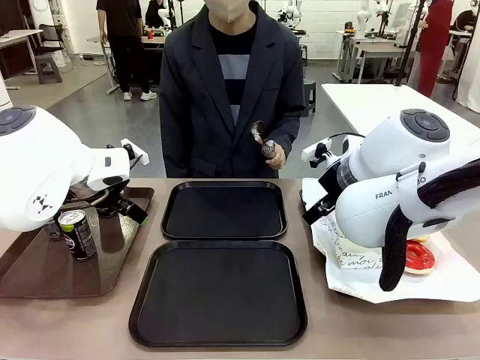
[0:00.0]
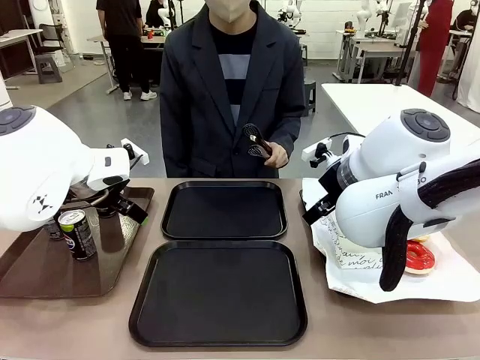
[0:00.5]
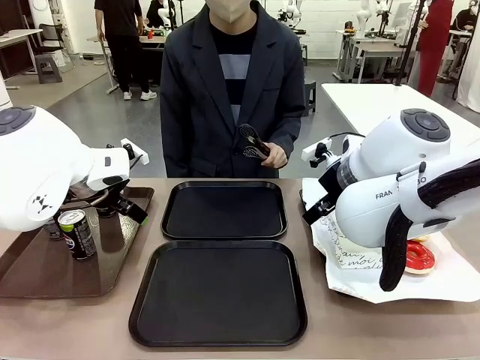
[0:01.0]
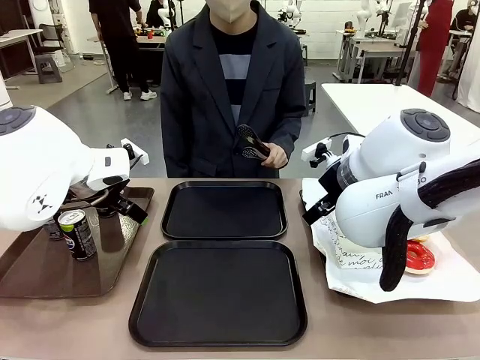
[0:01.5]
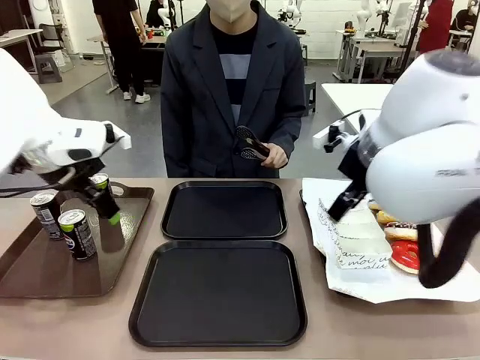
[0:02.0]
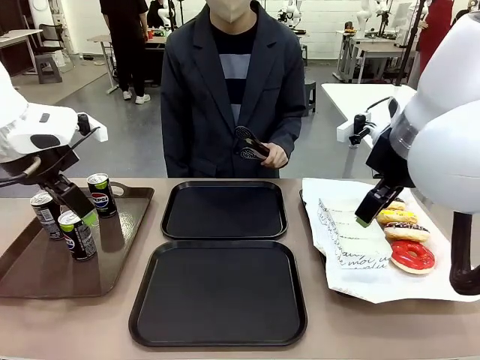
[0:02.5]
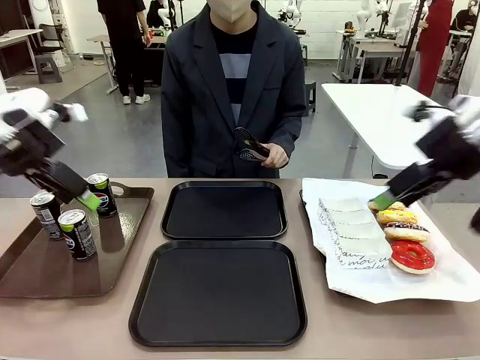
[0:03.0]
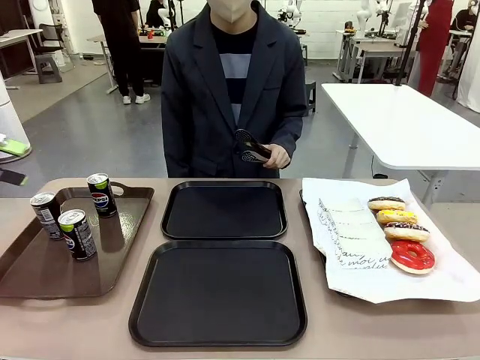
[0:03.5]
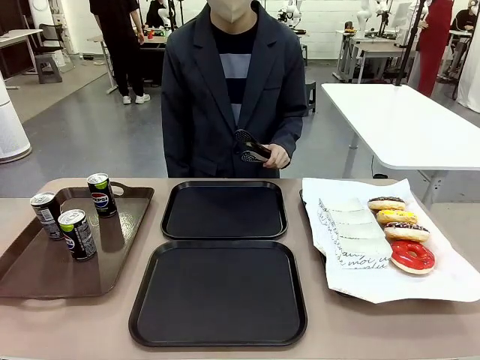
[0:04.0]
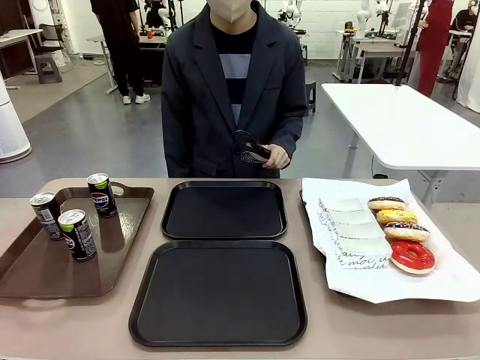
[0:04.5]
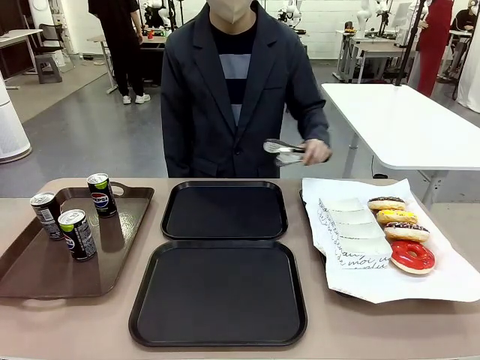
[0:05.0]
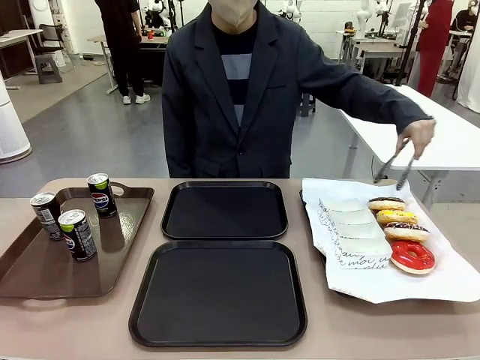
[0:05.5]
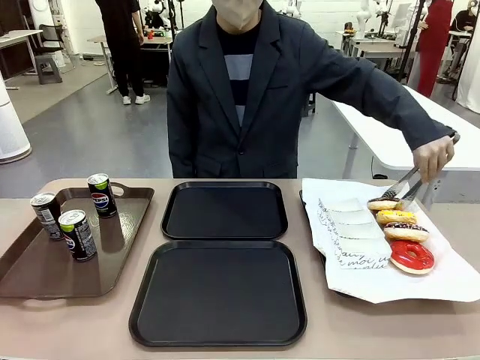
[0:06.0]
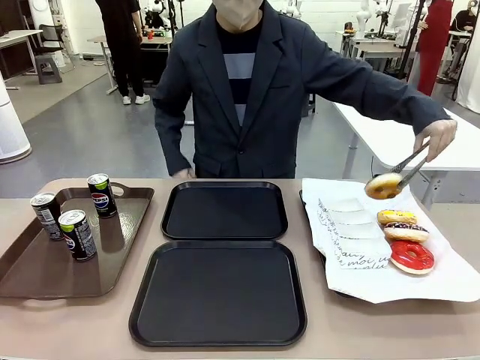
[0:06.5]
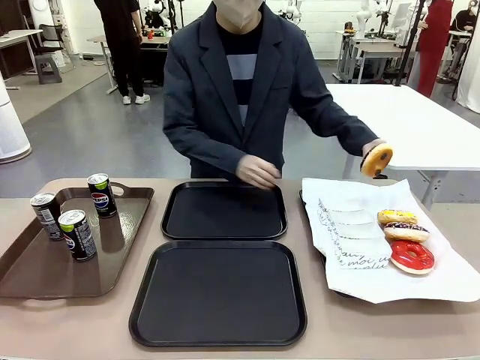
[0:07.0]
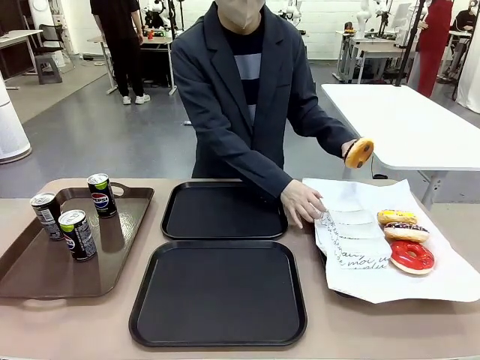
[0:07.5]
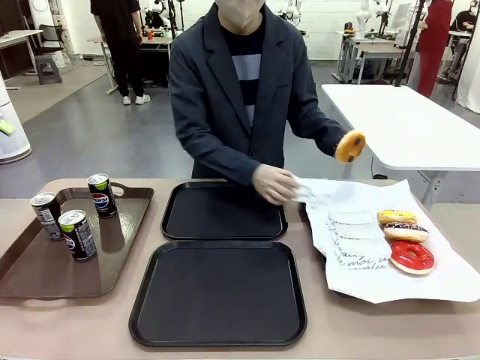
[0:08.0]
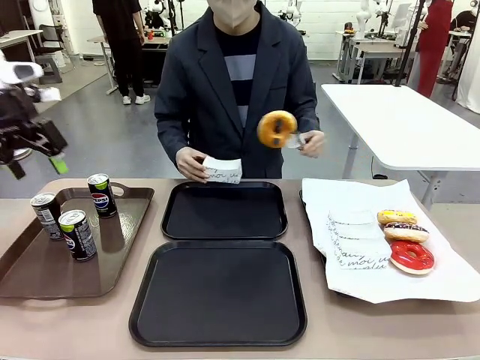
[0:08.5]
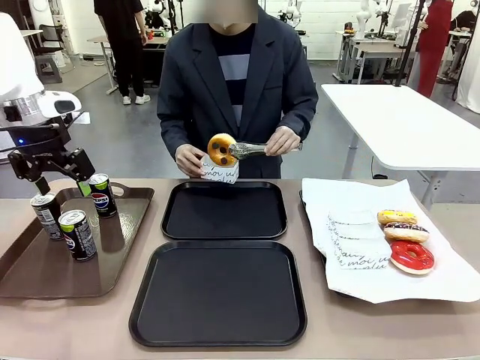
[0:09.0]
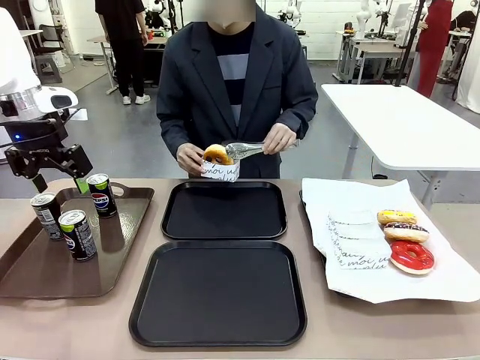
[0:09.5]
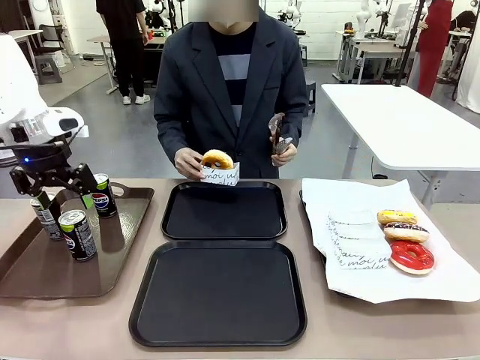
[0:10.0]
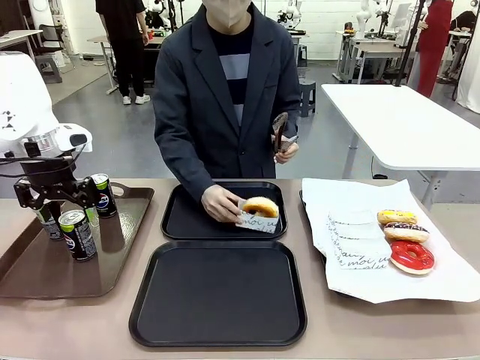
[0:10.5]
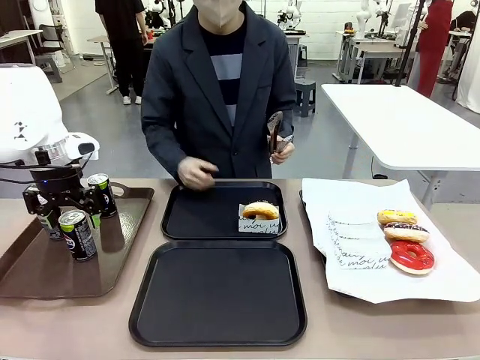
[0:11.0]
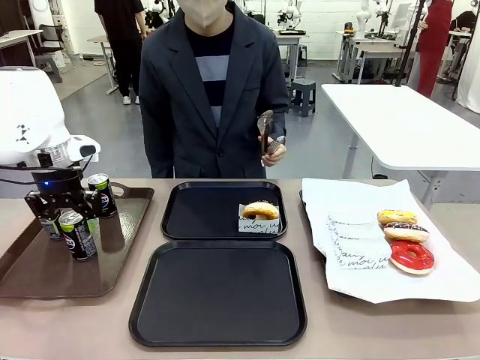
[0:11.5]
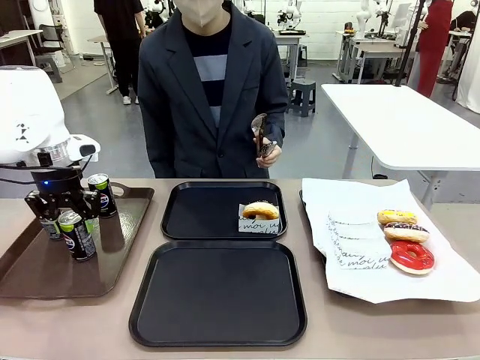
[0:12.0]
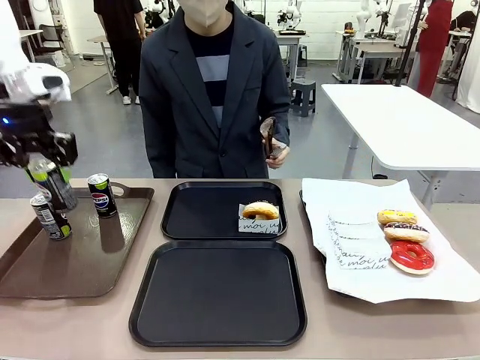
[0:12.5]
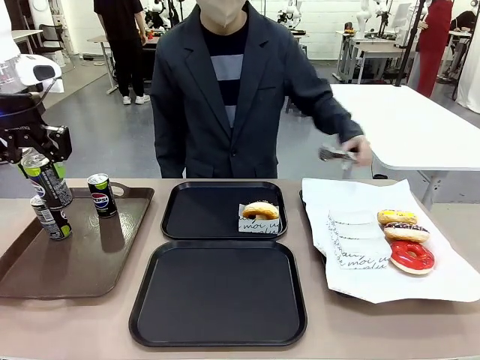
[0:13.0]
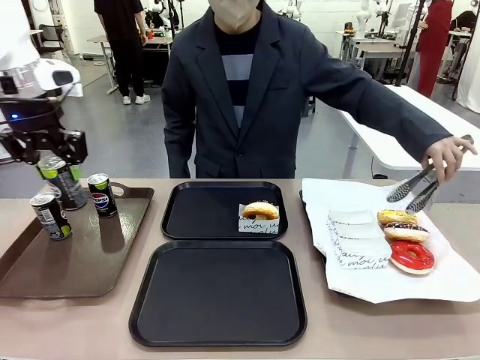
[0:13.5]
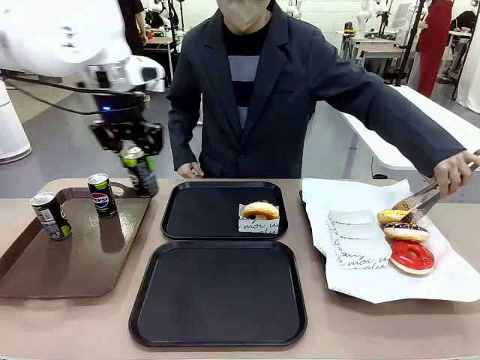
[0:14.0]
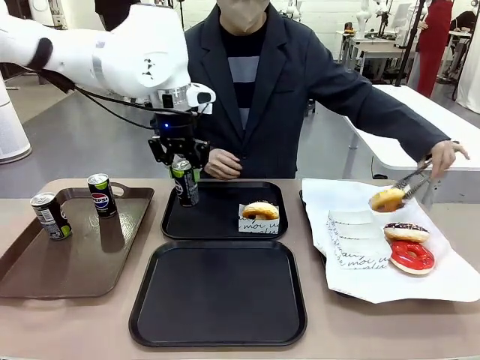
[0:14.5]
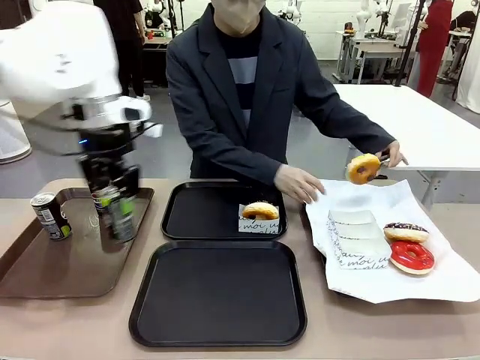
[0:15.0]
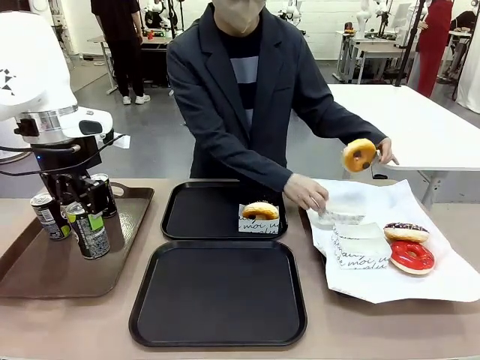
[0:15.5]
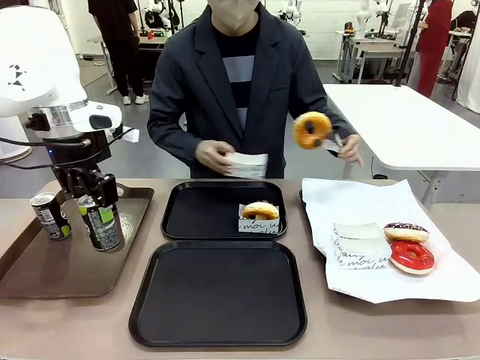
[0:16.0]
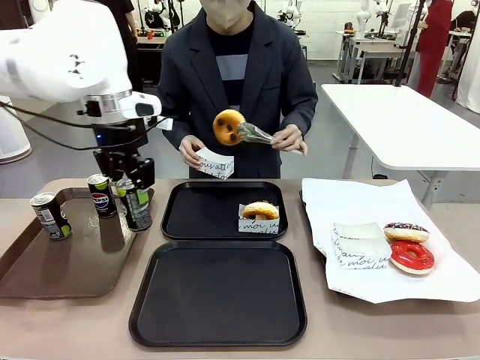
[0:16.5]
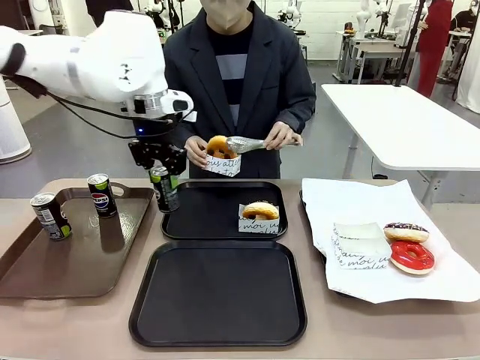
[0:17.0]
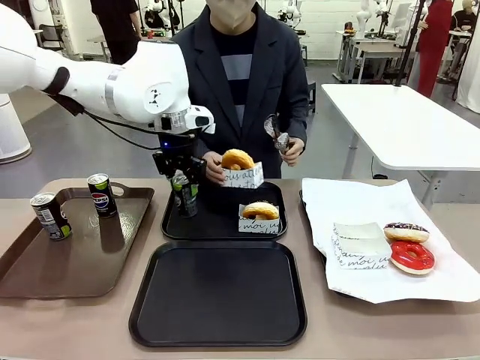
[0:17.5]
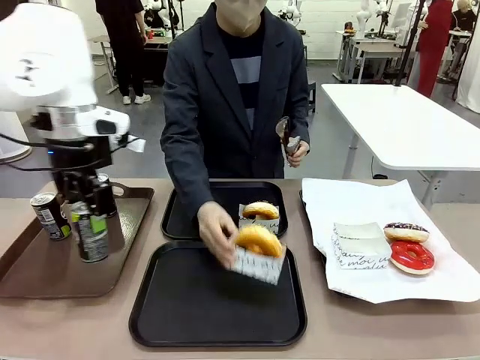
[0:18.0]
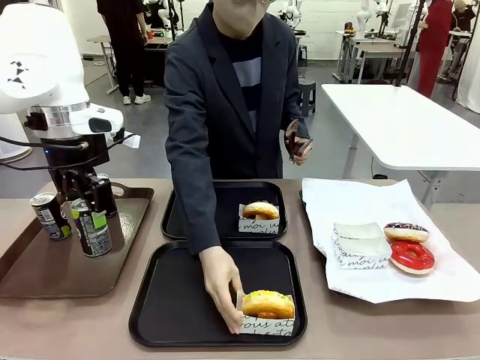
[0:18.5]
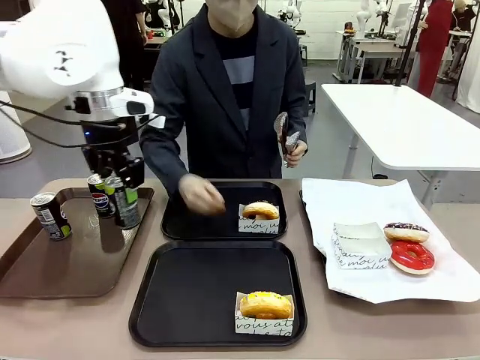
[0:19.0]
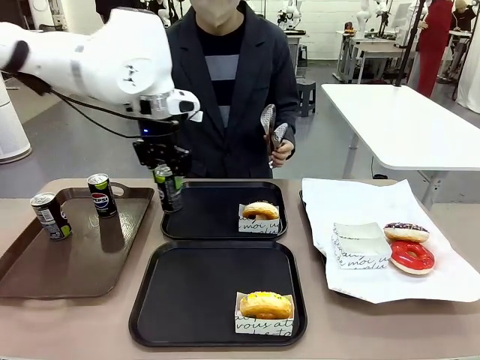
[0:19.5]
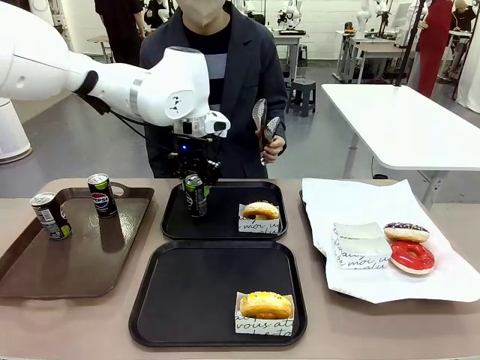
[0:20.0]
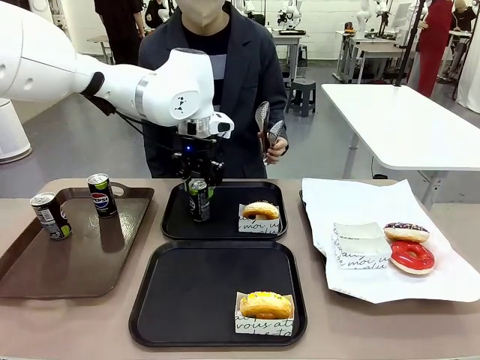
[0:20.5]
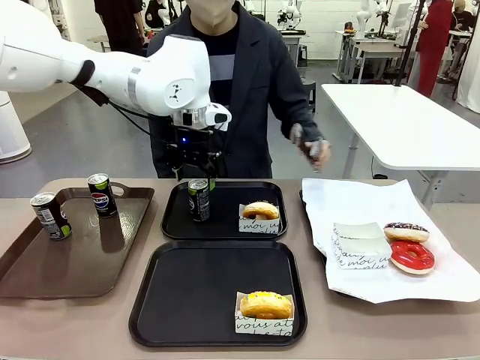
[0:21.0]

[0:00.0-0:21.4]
Task: Set up donuts and drinks on trays.
Robot: Pick up one Pepsi coke and place it on the Flat Tray.
Person: Pick up one donut with tongs, place it in the donut tray, and then place the donut tray on the flat tray.
